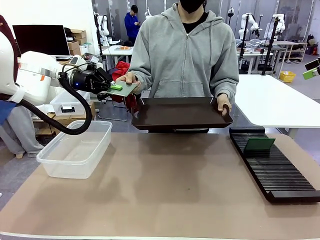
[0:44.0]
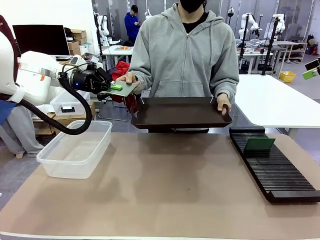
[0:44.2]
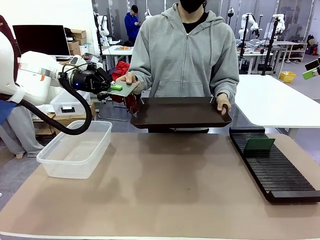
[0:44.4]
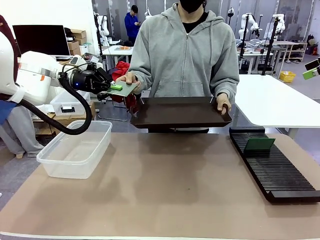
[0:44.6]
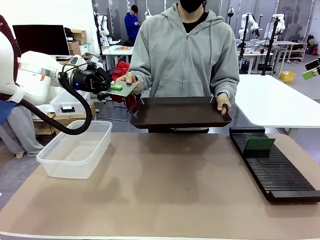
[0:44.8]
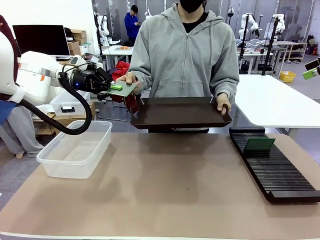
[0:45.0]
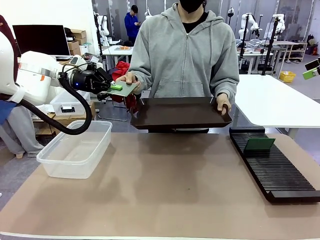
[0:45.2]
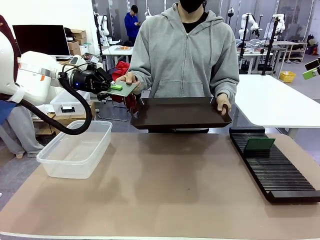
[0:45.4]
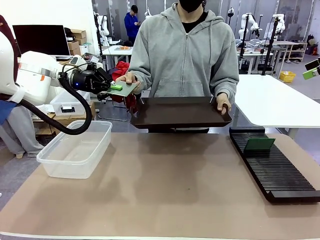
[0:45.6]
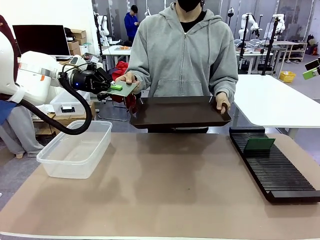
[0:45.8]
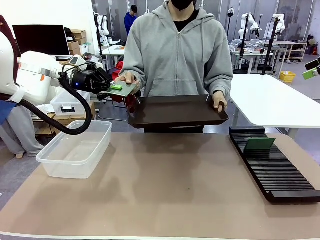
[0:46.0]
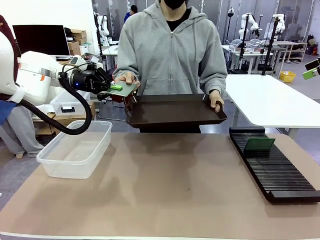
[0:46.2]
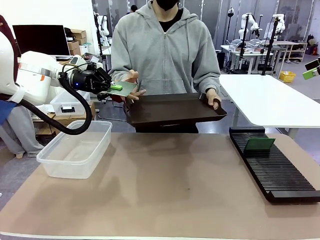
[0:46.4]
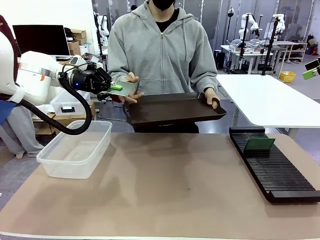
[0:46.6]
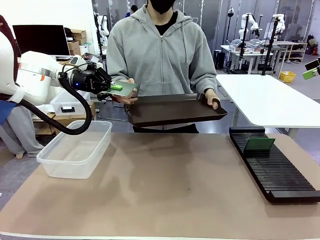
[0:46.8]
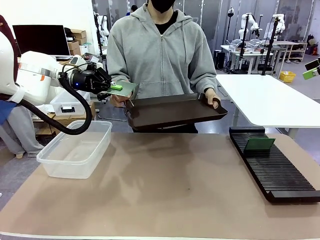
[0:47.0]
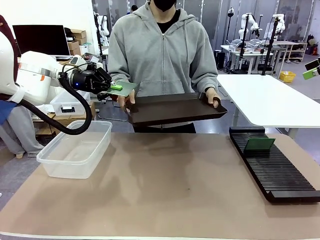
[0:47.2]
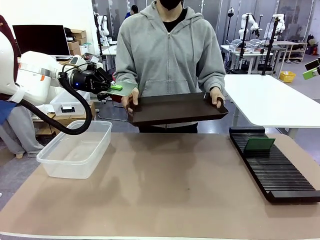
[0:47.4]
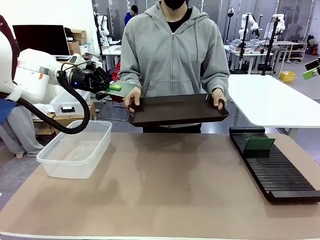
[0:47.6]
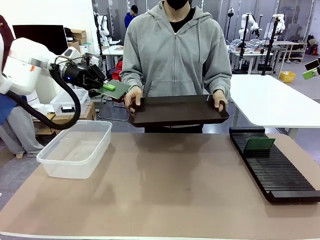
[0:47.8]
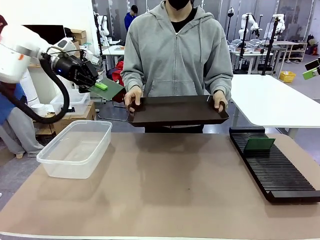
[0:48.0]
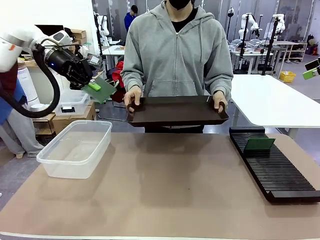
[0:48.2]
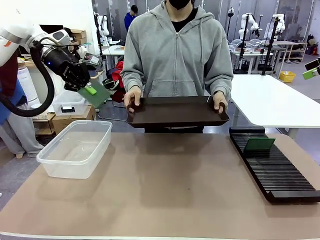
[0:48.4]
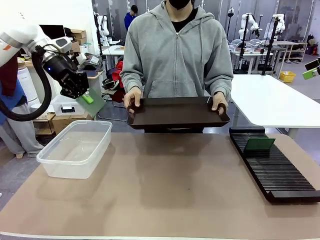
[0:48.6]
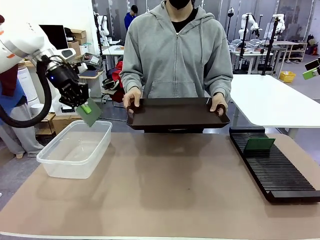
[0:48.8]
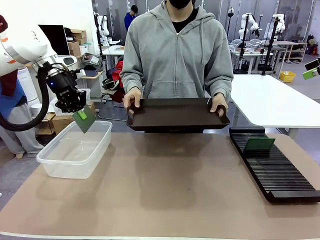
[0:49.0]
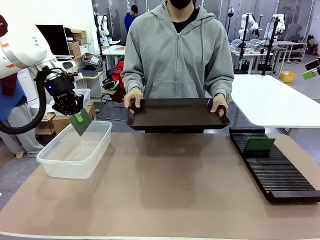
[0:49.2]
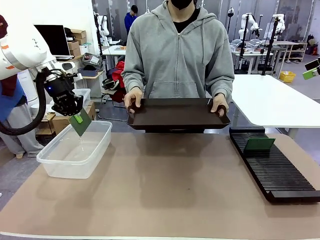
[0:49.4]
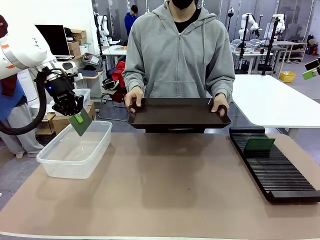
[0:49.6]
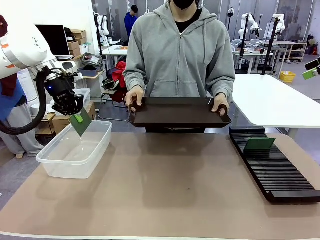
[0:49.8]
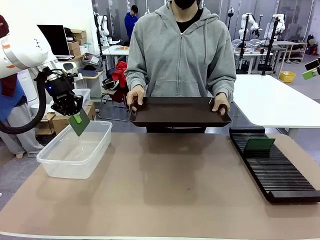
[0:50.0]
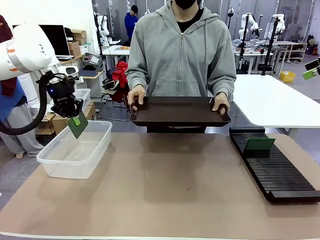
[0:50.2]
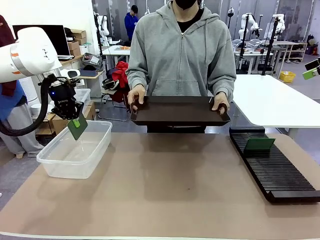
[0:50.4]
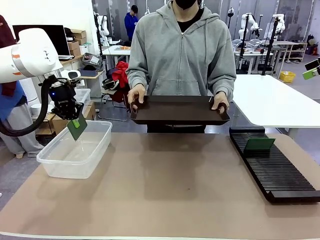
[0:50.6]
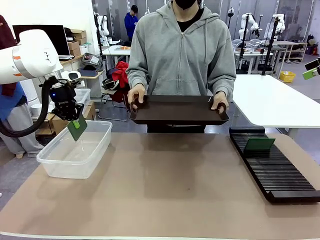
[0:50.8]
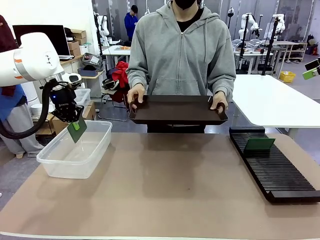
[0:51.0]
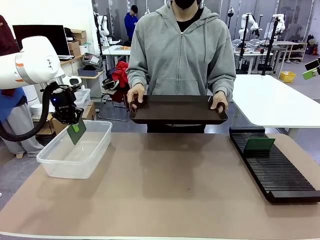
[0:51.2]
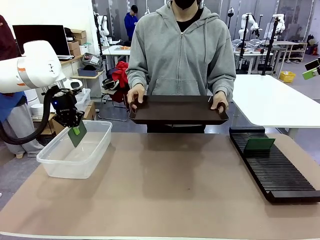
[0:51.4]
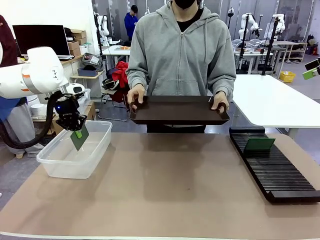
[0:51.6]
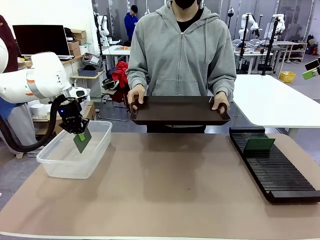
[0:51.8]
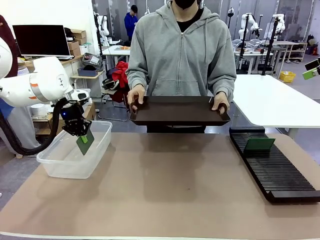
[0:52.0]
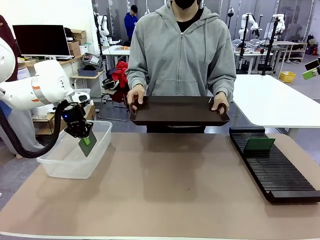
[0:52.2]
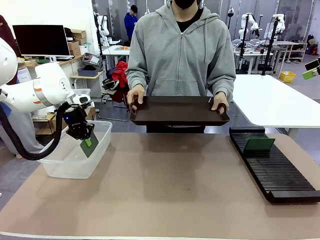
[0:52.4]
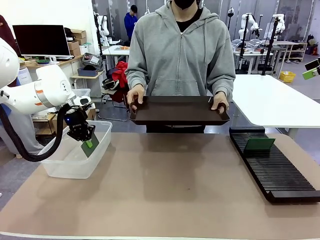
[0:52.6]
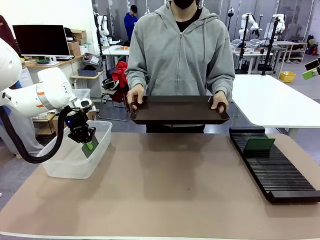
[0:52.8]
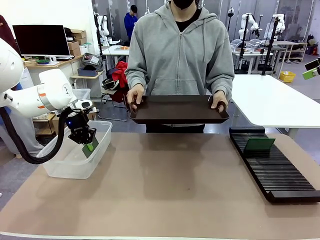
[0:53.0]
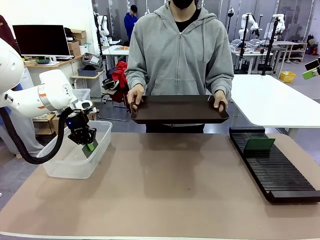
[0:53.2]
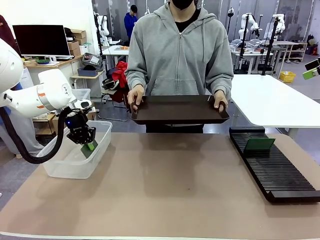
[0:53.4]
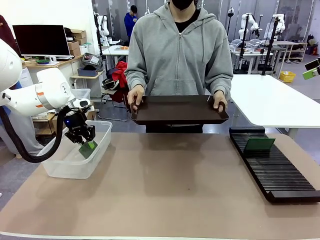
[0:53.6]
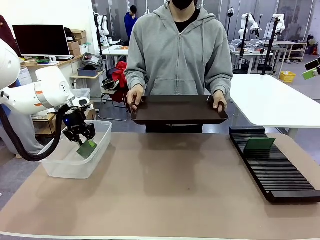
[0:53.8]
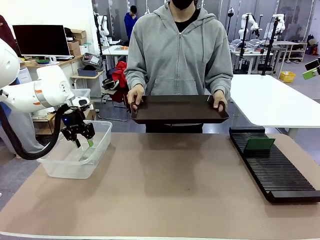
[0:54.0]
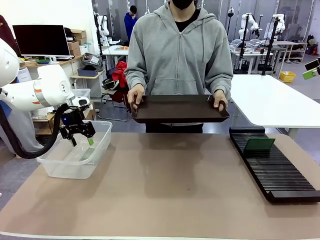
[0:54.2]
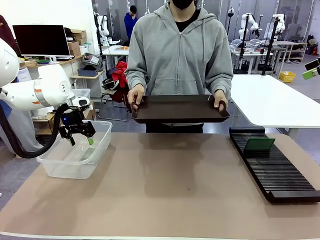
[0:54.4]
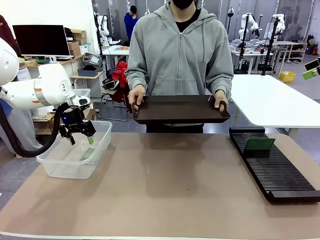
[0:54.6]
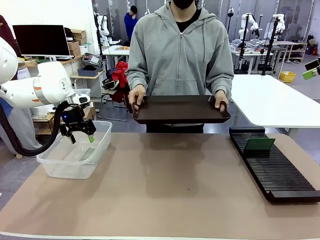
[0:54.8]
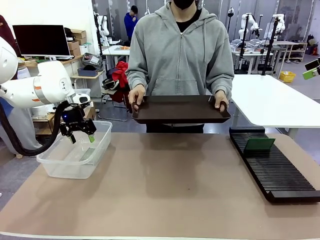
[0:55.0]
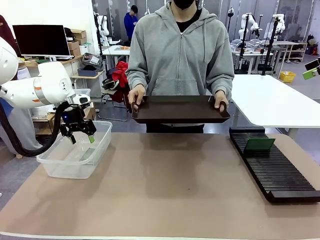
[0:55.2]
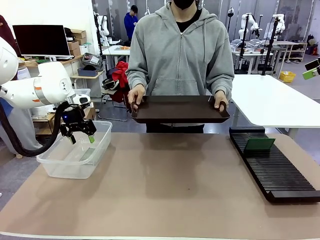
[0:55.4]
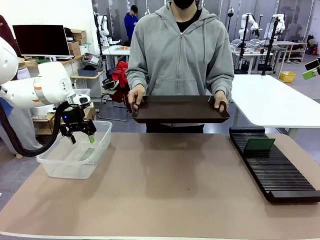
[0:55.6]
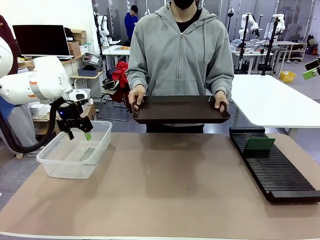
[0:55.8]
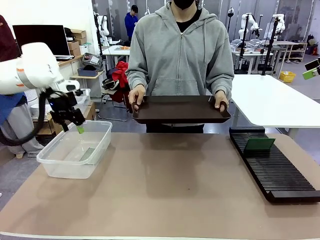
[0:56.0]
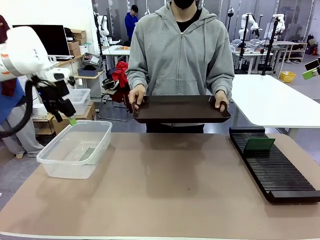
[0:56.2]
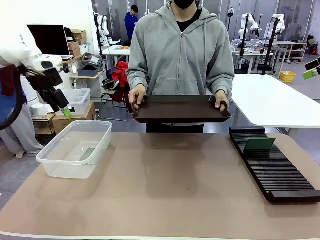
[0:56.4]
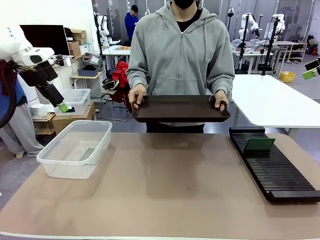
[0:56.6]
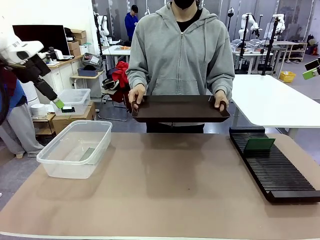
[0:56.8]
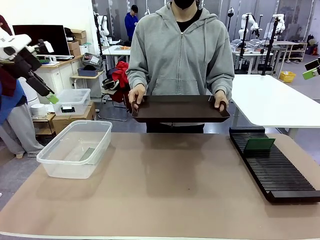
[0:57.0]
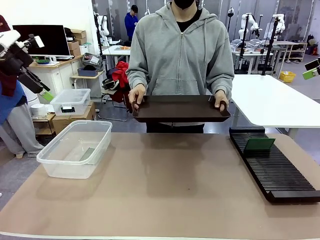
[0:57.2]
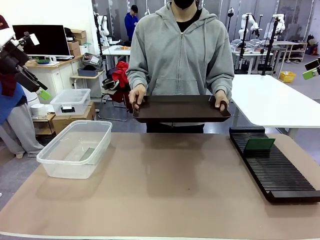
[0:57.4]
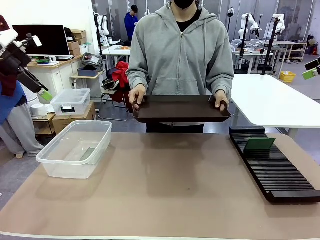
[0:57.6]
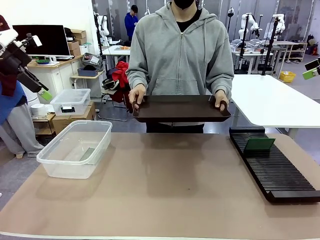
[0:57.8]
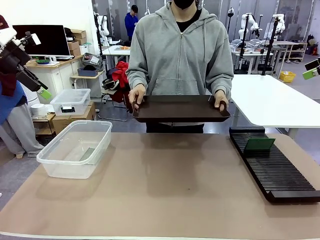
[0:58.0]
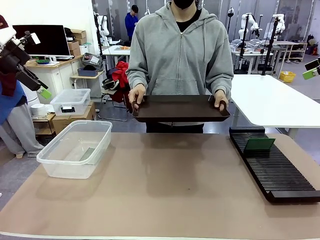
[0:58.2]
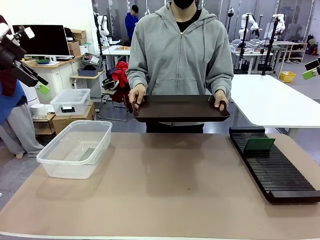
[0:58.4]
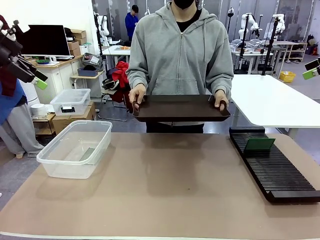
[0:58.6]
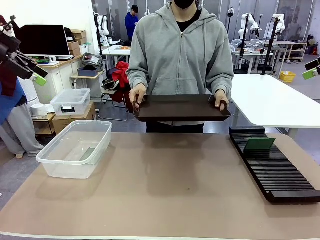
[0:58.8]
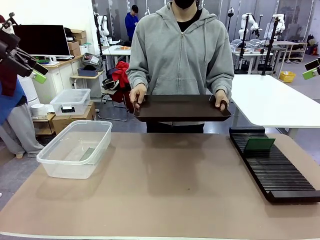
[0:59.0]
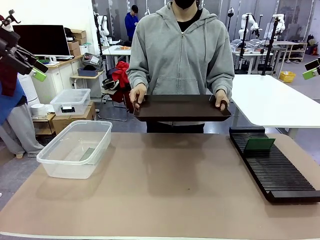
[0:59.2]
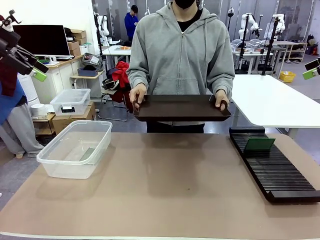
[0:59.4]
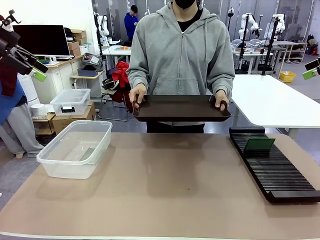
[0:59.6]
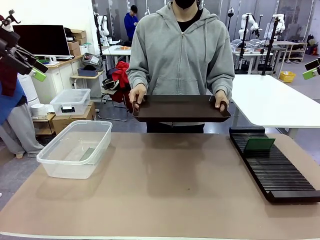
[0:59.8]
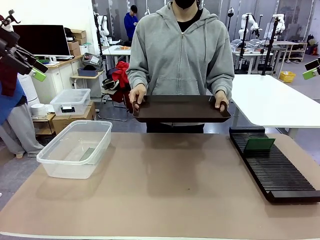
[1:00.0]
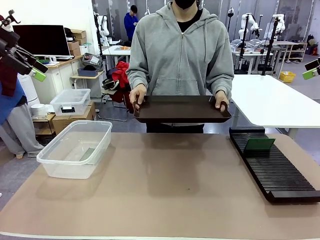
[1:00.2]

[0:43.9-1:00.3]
Task: Sort PCBs into racks and boxes based on the side picked up.
Robot: If the short side of the Blank PCB is picked up, insert it into the PCB Rack ; if the long side is picked up, place it in the Organizing box.
Person: Release the PCB being held.

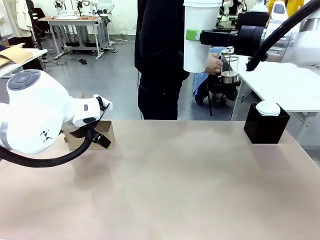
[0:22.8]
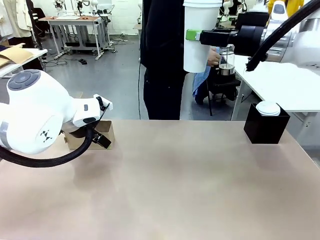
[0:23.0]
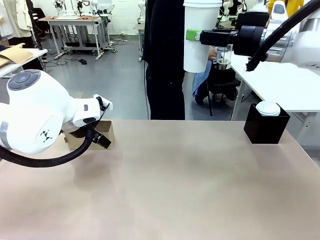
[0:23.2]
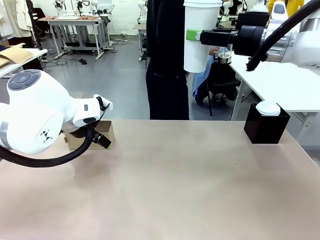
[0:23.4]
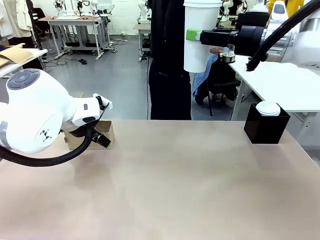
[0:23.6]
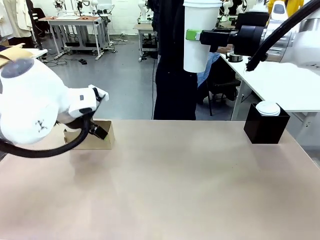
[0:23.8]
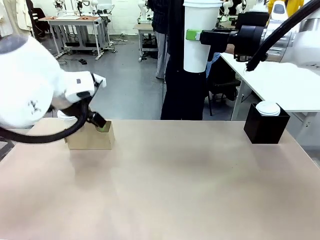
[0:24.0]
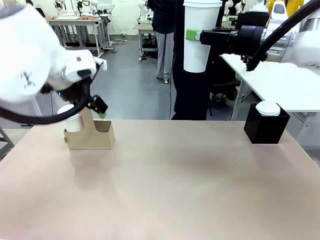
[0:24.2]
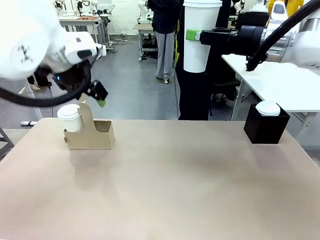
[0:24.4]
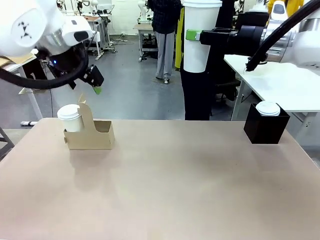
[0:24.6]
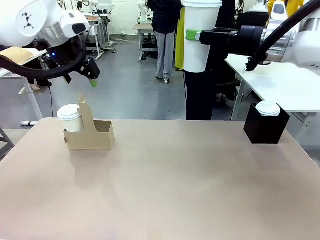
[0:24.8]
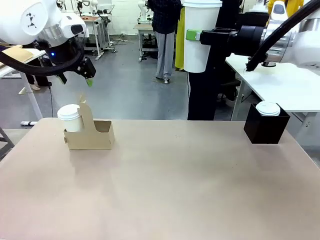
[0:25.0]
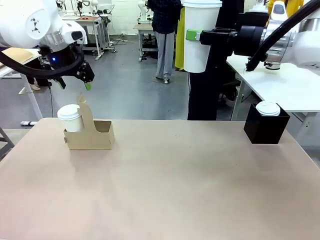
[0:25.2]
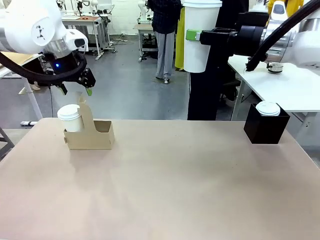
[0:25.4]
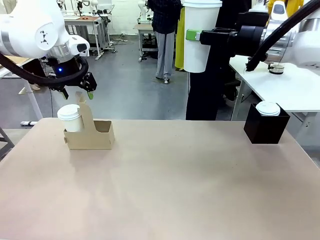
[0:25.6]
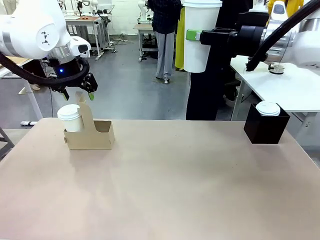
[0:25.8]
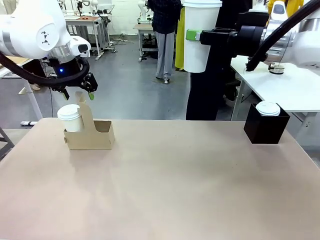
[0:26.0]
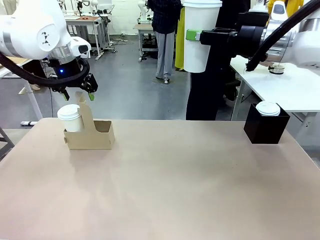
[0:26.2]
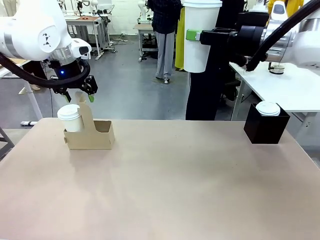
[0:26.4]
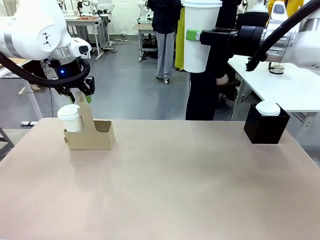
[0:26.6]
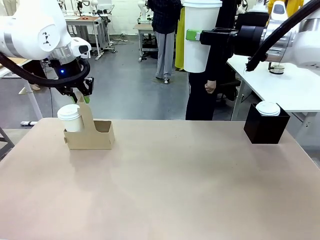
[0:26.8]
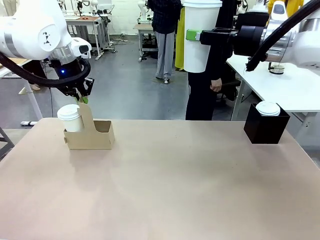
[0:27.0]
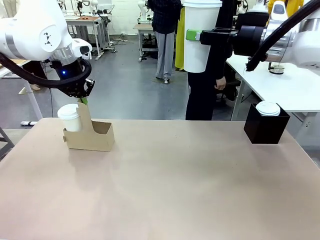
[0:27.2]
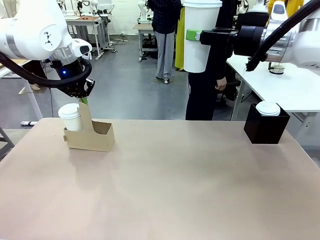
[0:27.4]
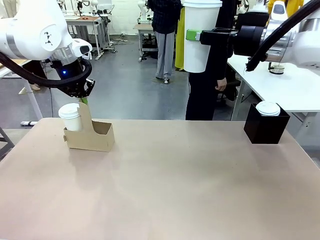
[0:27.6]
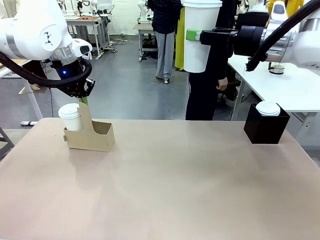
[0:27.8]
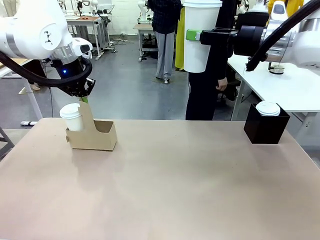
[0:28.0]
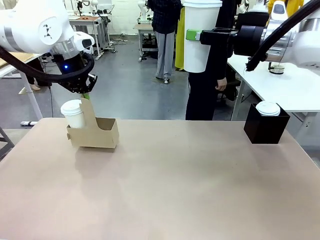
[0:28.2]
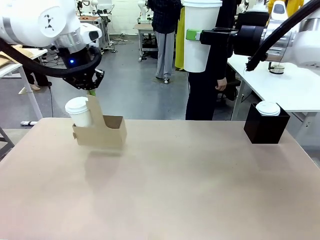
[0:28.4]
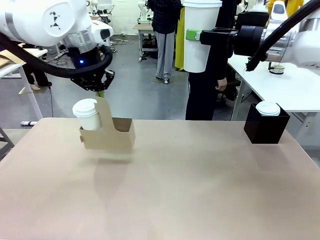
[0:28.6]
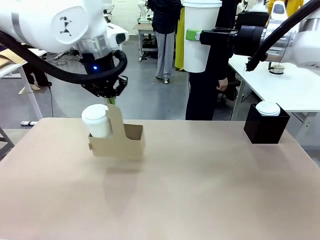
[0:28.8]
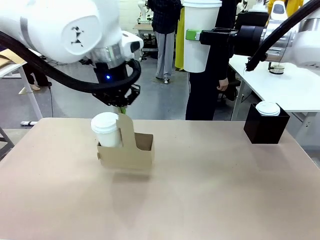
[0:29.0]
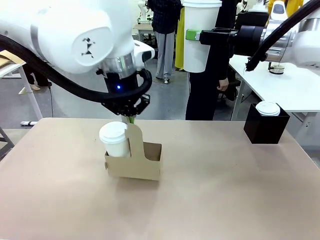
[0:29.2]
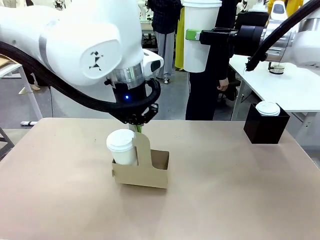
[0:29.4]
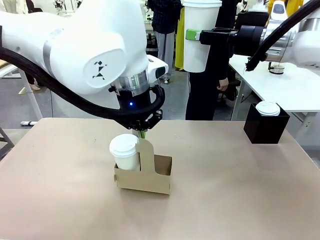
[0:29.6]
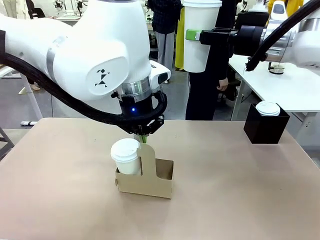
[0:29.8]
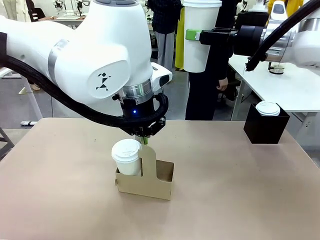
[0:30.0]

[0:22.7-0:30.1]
Task: Pour a drink into a cup and package it in a carrier.
Robot: Position the Cup Carrier in the center of the table.
Person: Pick up the Filter Brewing and place on the middle of Human table, and return to the Robot table.
